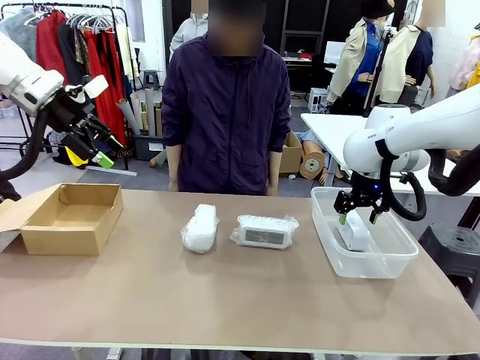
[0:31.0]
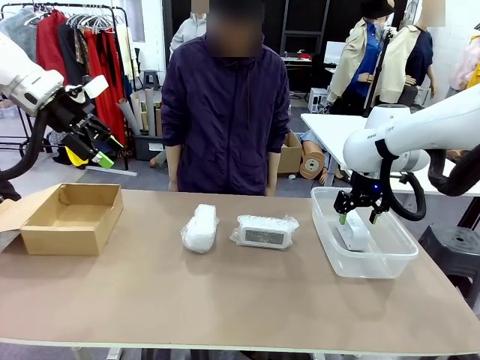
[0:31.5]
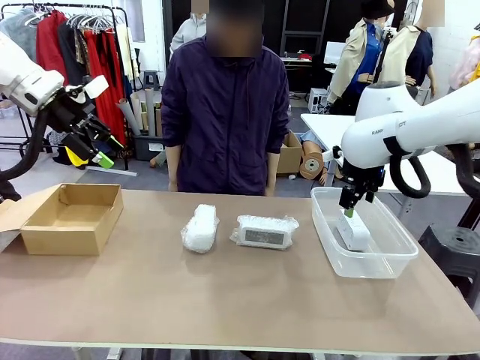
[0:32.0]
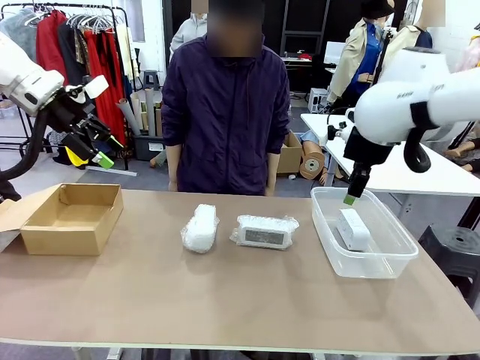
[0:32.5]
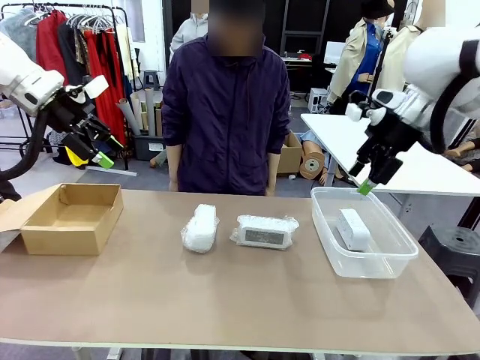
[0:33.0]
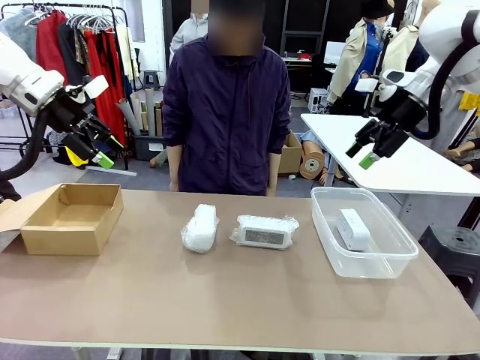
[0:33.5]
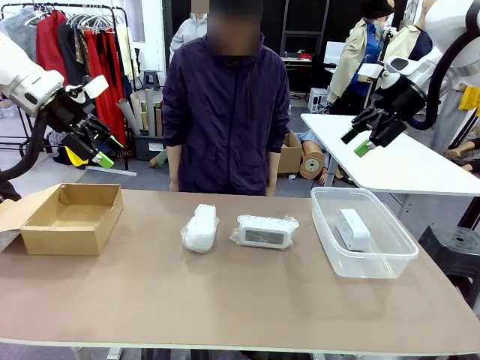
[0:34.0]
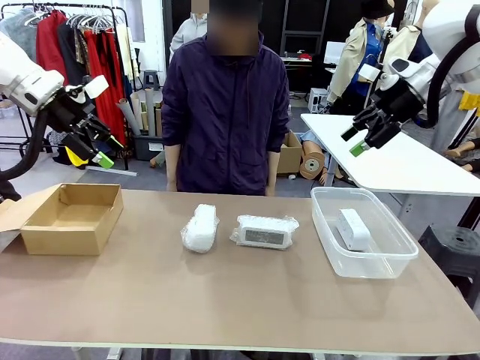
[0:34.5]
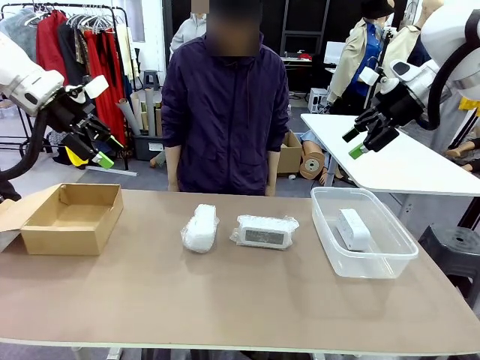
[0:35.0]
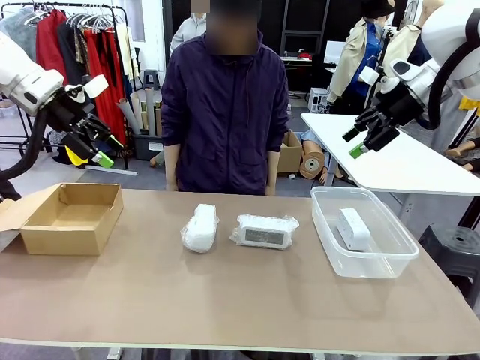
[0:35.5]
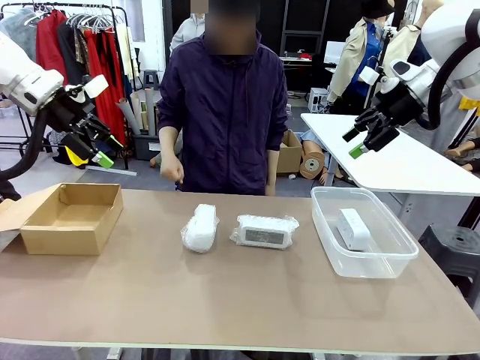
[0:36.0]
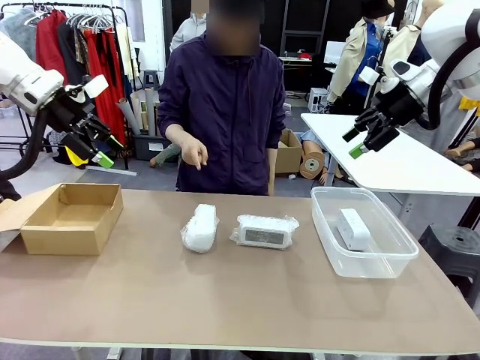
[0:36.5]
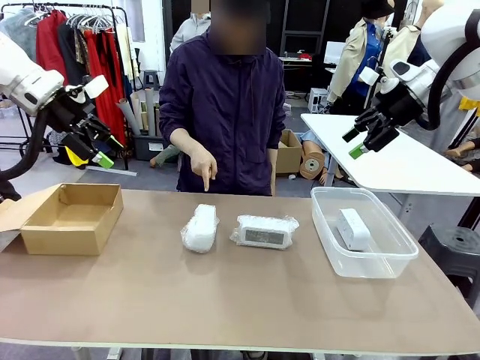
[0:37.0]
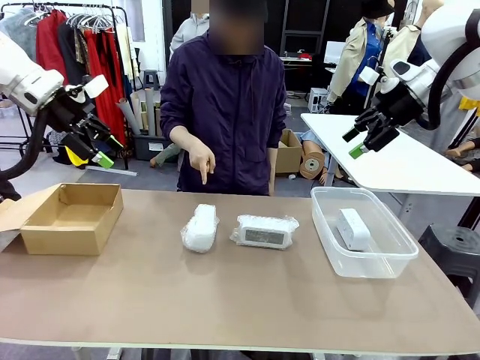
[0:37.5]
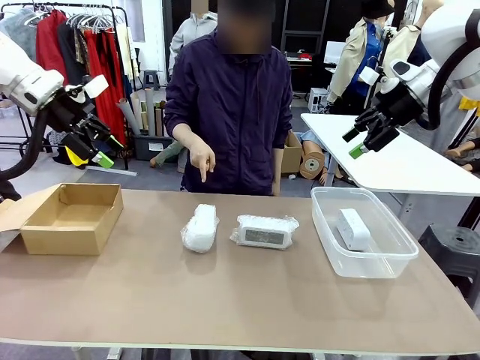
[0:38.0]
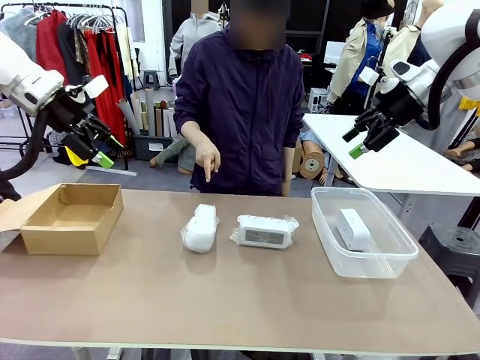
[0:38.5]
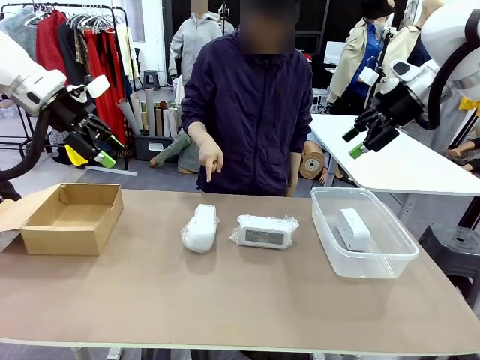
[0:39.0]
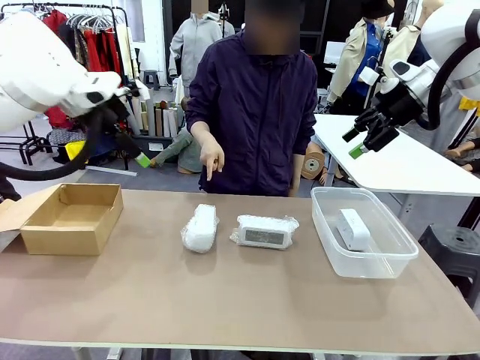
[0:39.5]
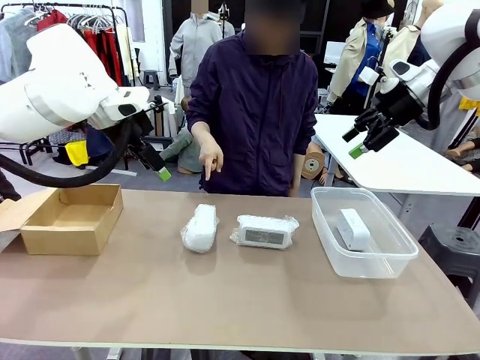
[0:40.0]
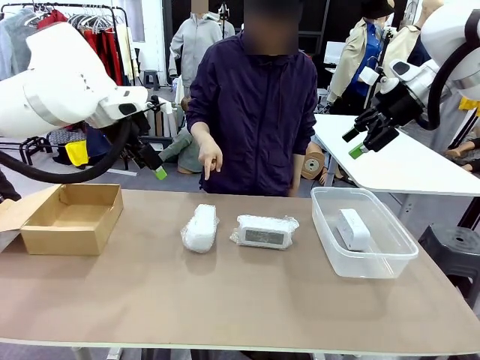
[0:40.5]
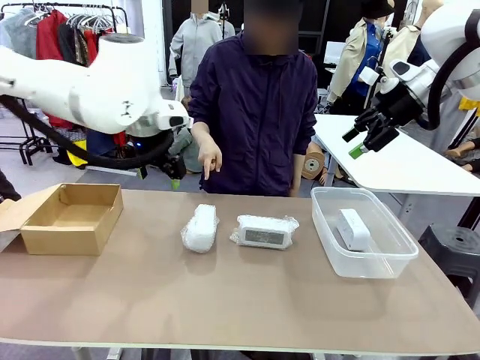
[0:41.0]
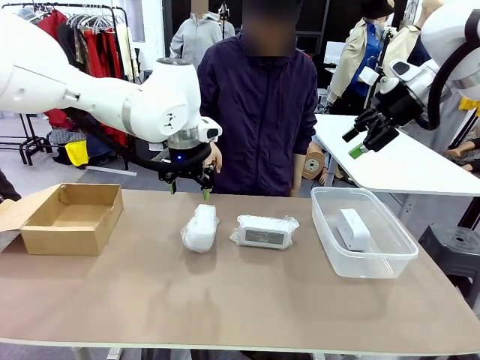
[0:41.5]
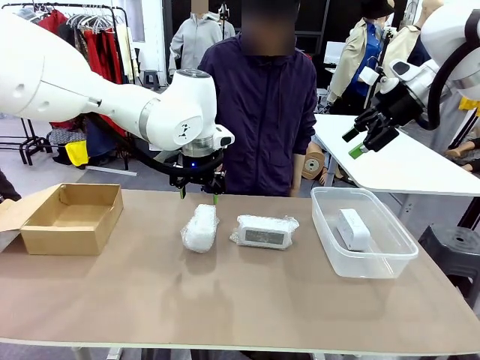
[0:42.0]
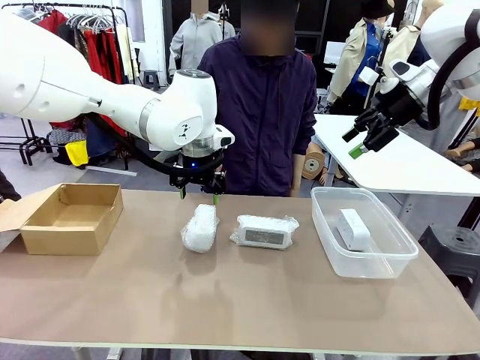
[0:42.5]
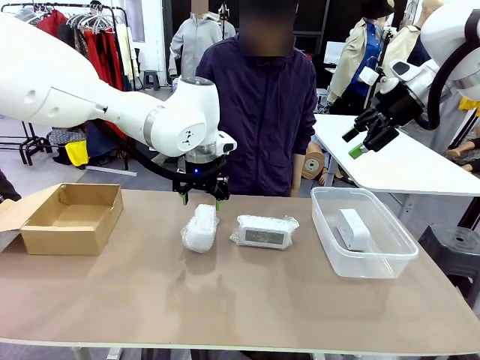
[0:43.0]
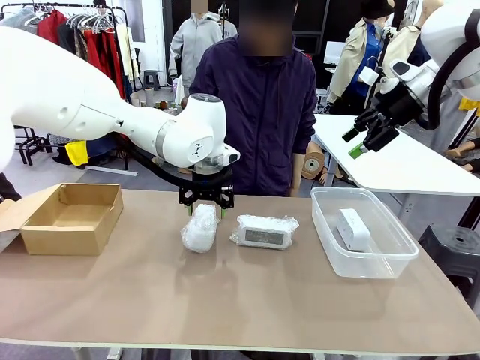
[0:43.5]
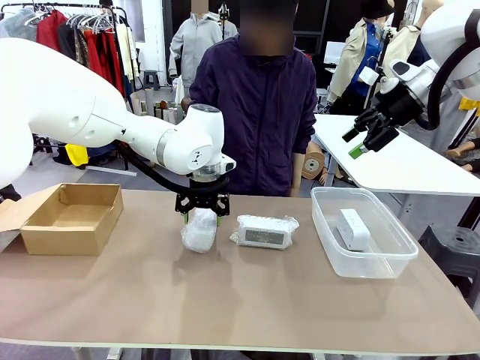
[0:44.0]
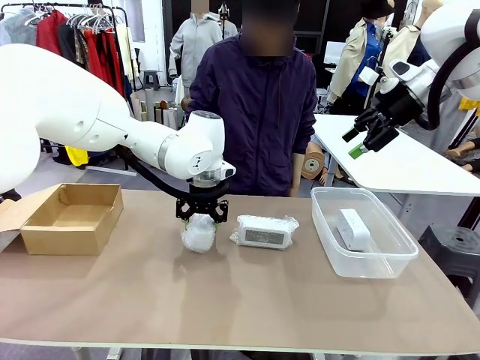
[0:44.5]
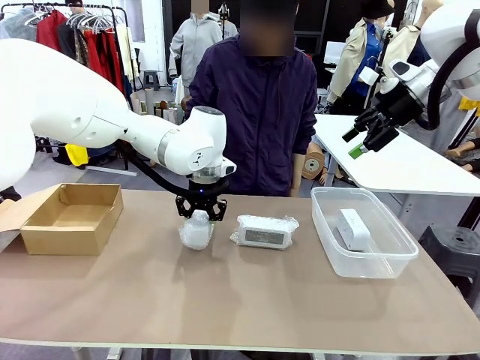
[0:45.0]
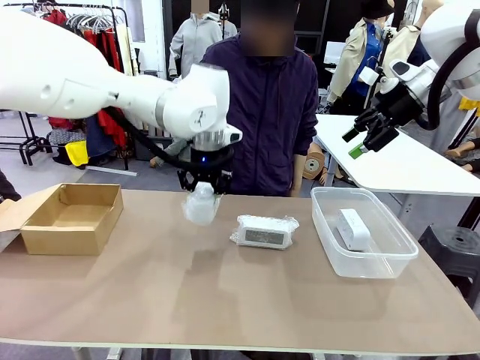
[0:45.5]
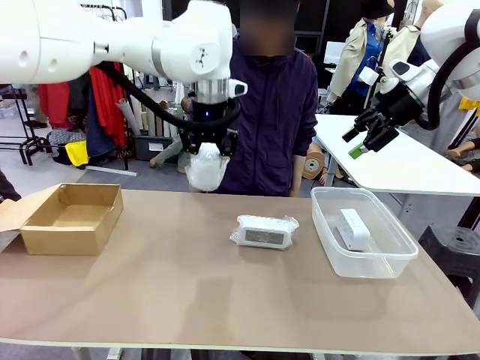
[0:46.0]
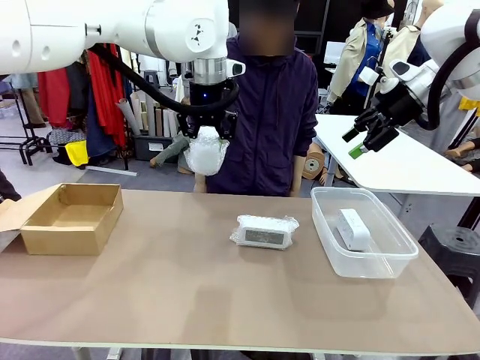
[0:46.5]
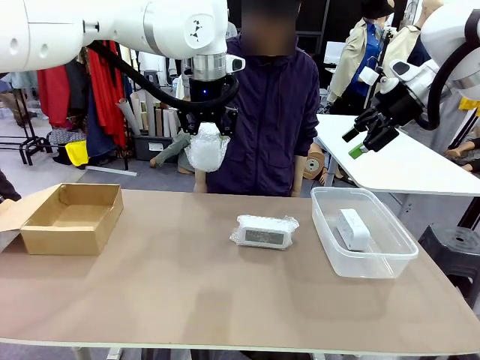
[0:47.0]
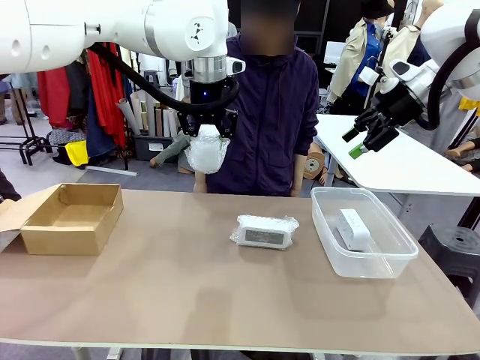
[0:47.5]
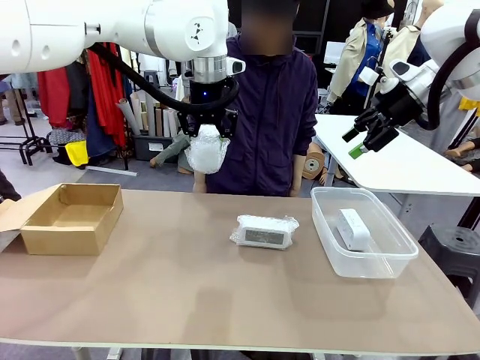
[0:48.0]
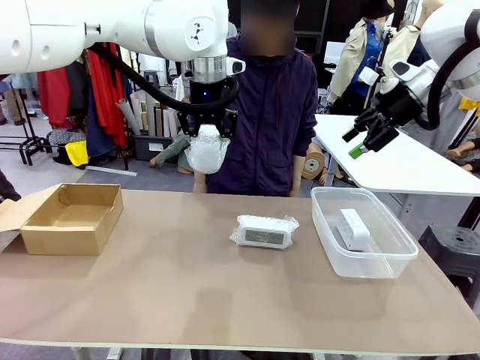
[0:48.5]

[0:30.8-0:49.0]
Task: Separate and place wrapped and unwrapped clocks.
Robot: Pick up the Digital clock indicated by the person.

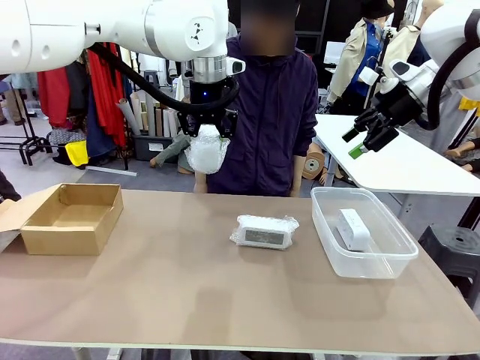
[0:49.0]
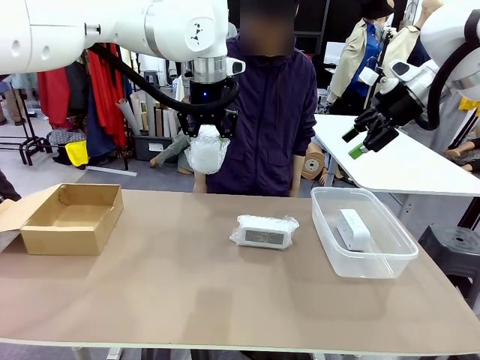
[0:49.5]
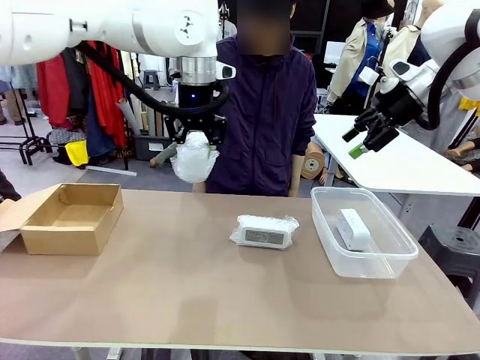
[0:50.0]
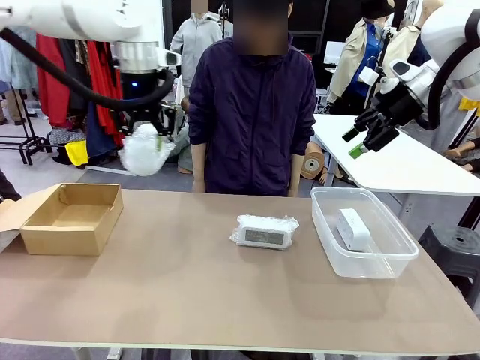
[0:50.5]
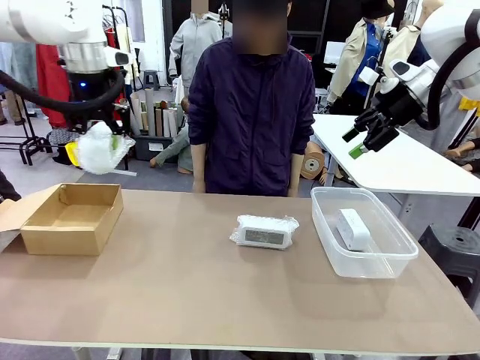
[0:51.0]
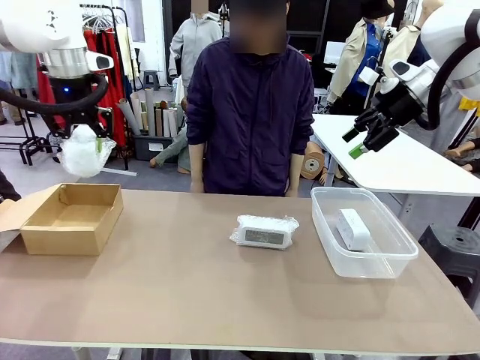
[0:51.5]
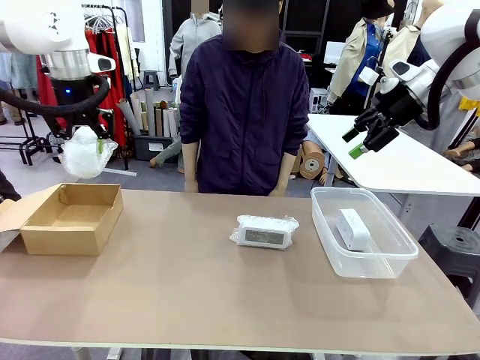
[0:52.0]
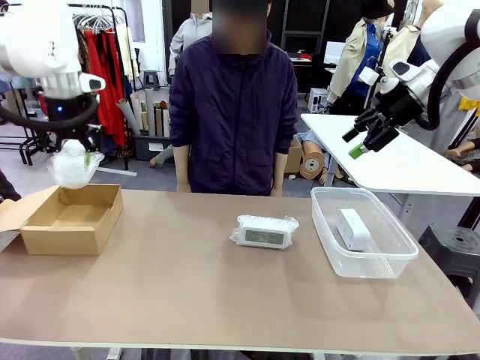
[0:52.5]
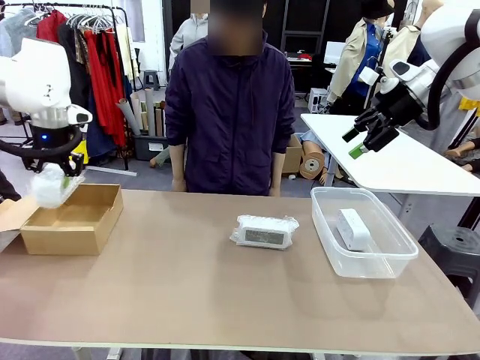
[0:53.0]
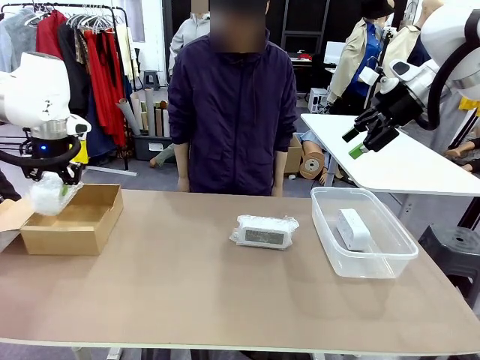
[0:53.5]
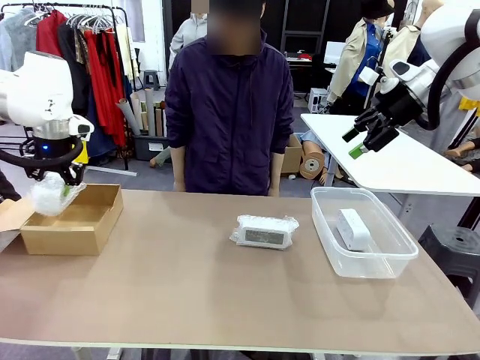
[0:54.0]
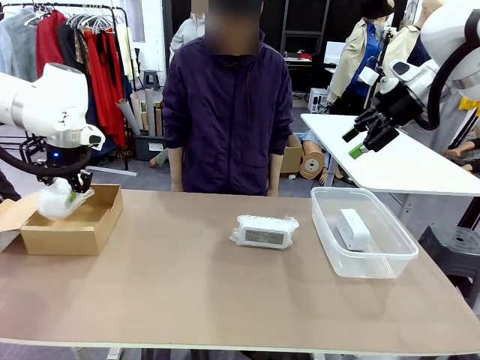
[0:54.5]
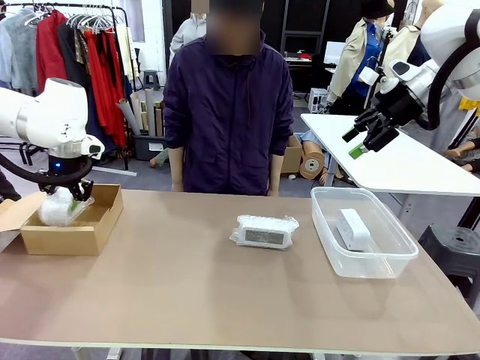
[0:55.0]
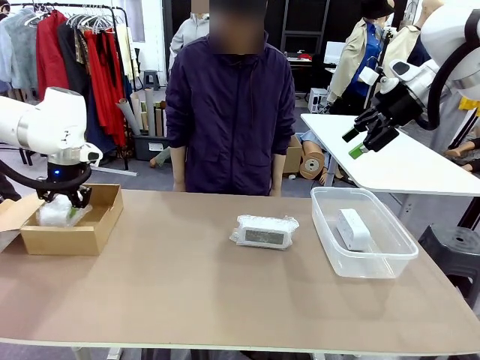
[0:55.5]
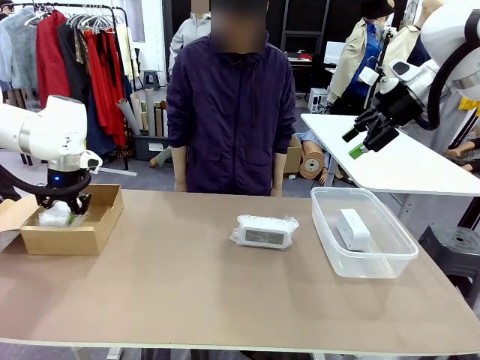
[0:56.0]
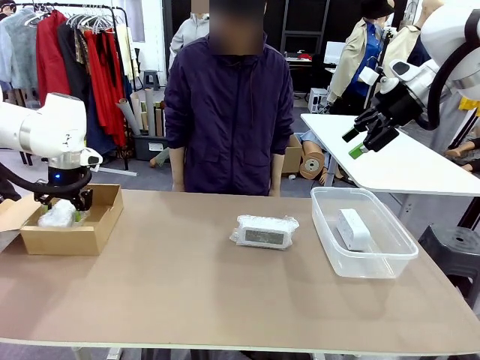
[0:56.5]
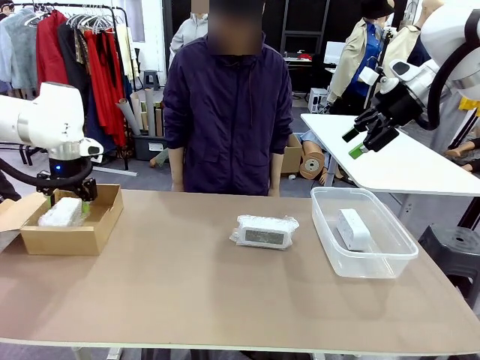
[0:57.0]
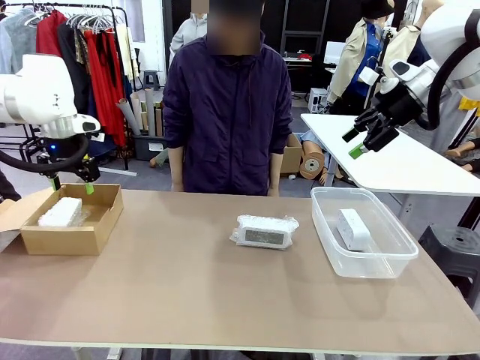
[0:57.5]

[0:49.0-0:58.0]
Robot: If the picked Digital clock is wrapped, place it in the Package Box ; if not, place it in the Organizing box.
